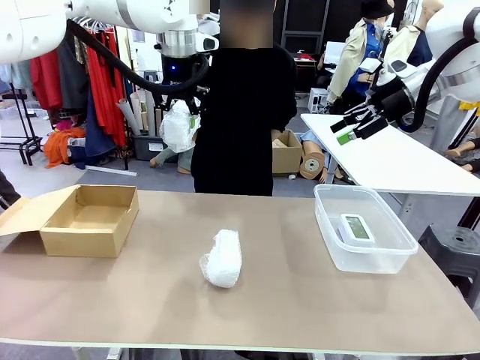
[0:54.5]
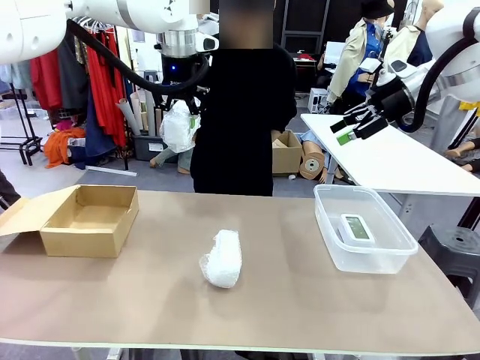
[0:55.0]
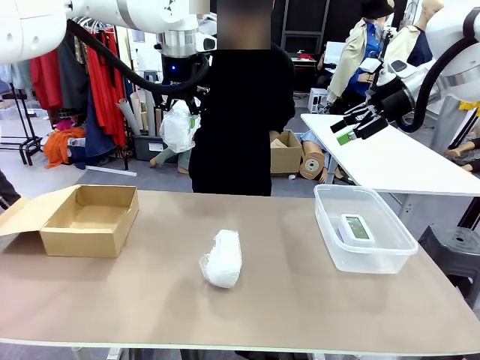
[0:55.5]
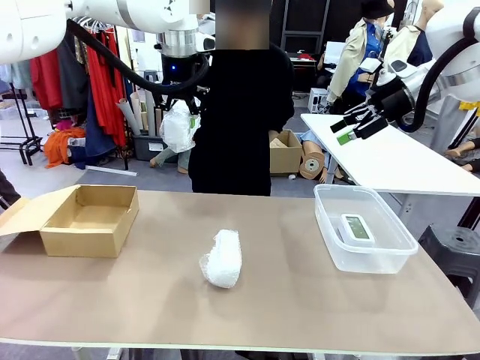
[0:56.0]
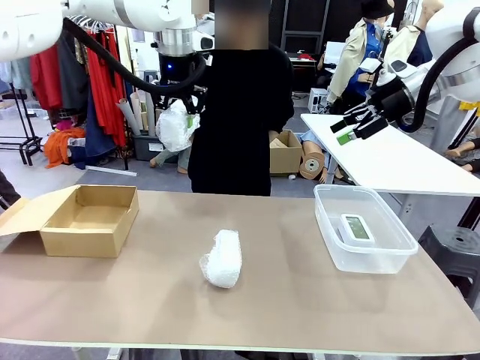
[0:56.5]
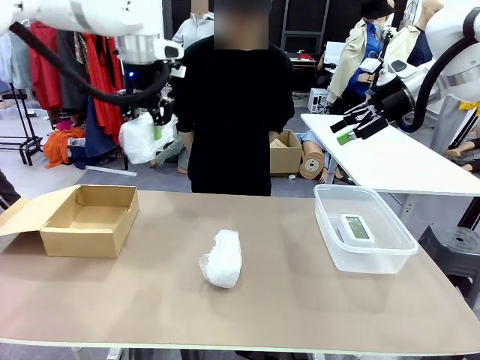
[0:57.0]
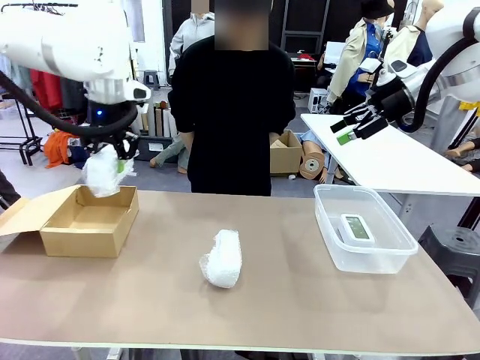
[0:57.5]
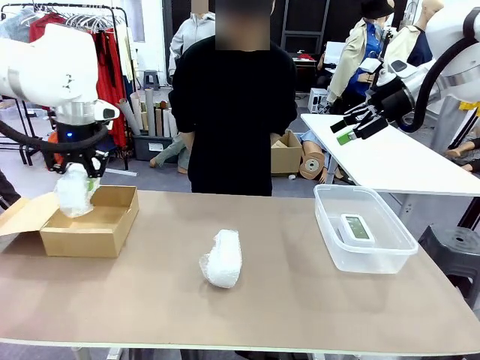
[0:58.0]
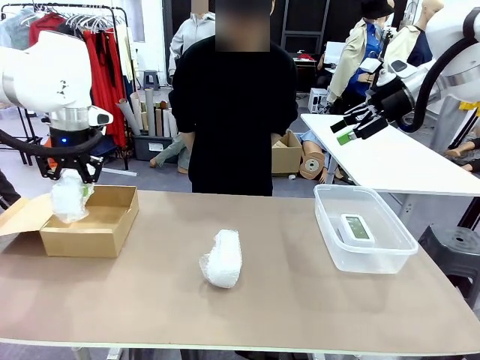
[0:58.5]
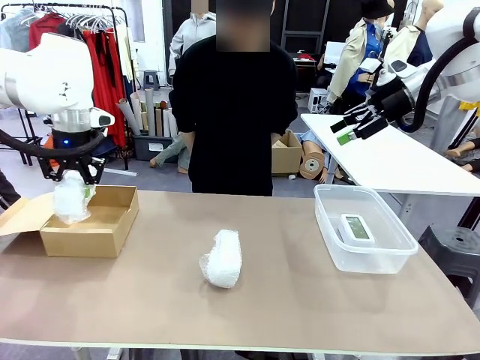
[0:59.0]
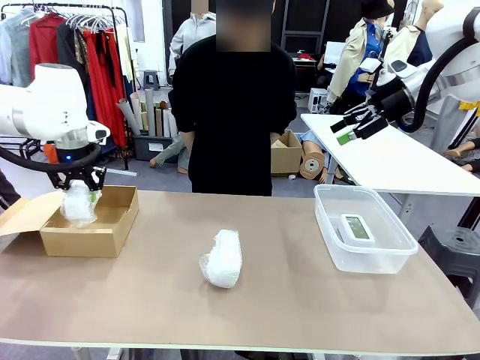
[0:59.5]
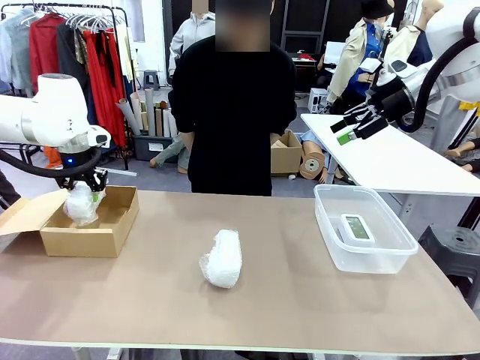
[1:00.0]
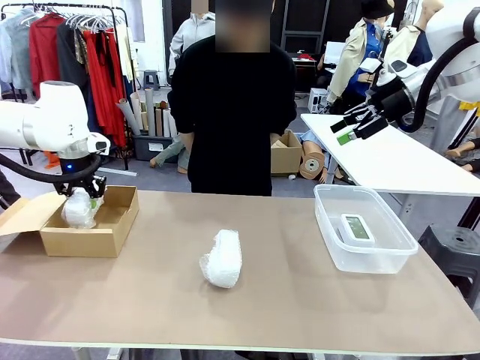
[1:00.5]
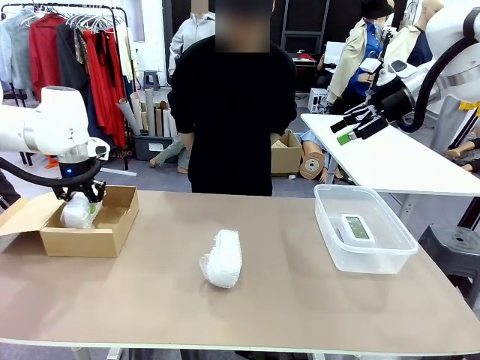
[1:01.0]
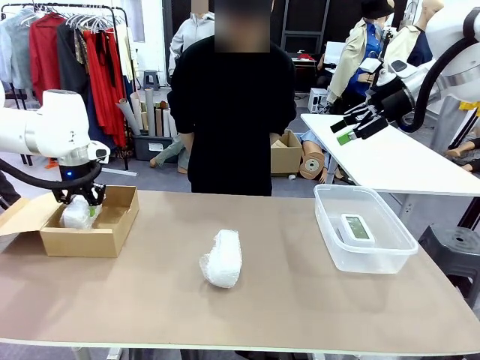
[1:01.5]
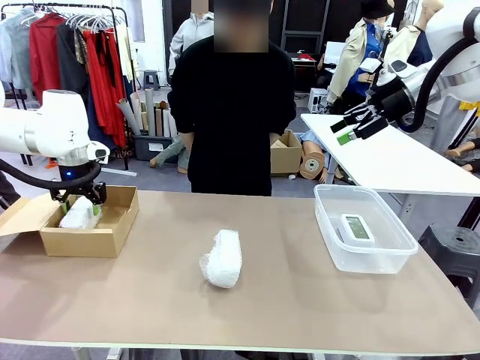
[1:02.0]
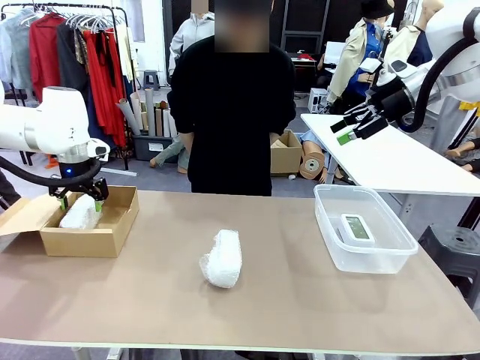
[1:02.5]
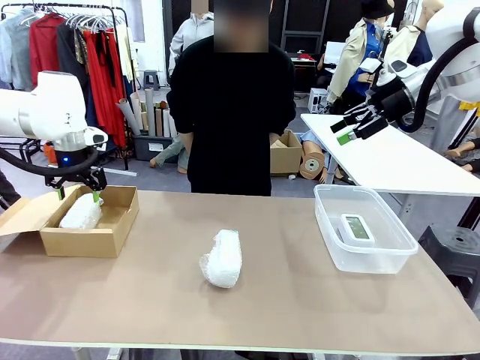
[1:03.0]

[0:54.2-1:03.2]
Task: Separate and place wrapped and unwrapped clocks.
Robot: If the picked Digital clock is wrapped, place it in the Package Box ; if not, place it in the Organizing box.

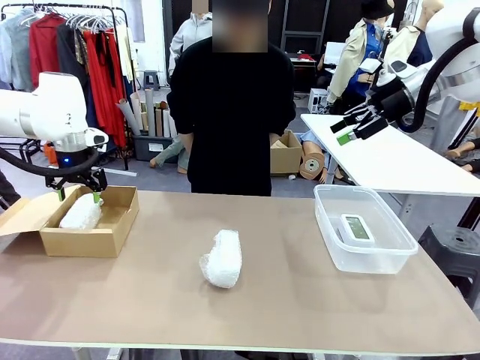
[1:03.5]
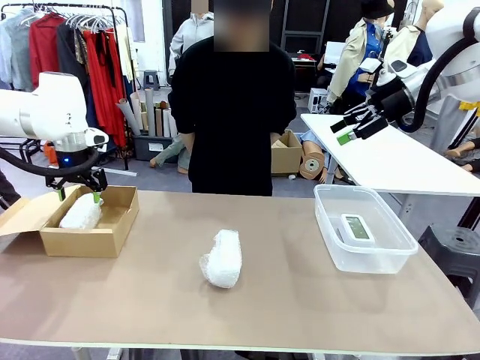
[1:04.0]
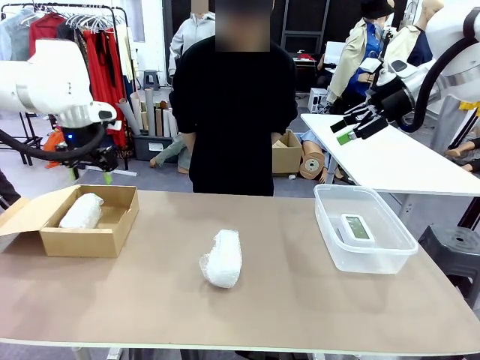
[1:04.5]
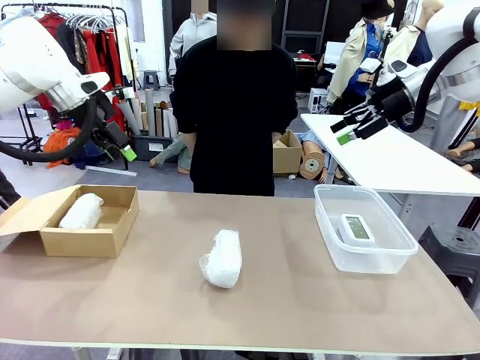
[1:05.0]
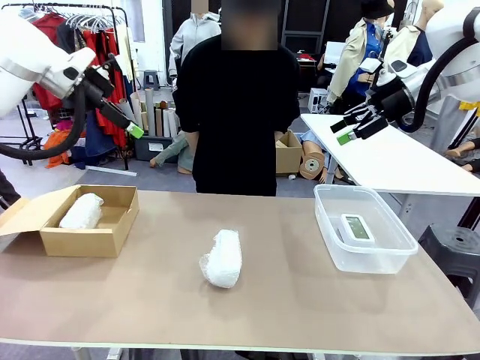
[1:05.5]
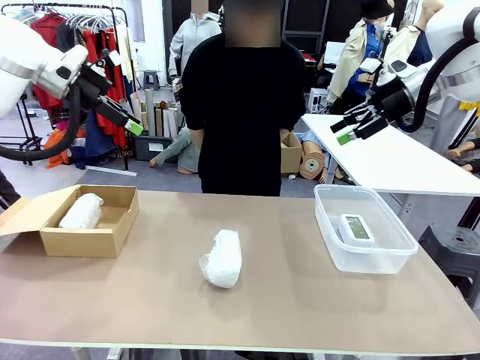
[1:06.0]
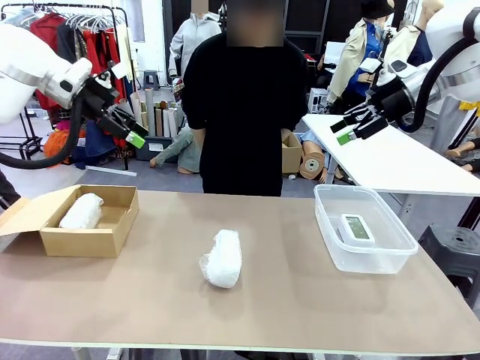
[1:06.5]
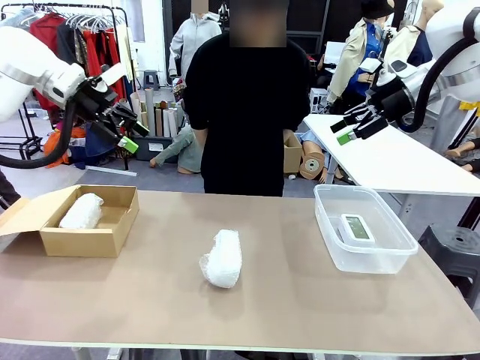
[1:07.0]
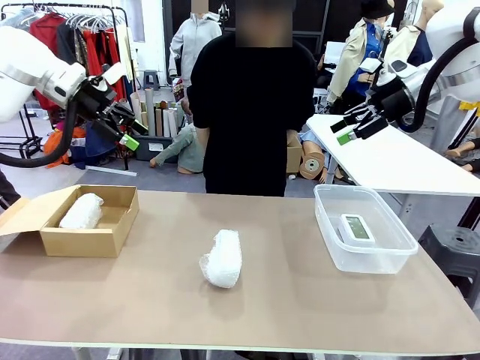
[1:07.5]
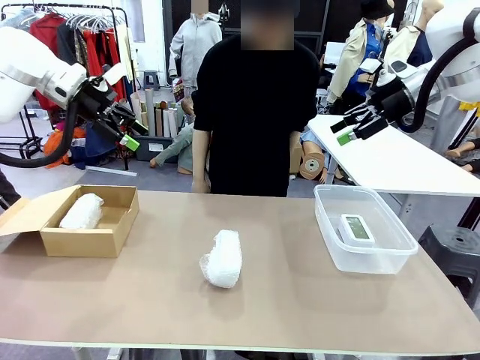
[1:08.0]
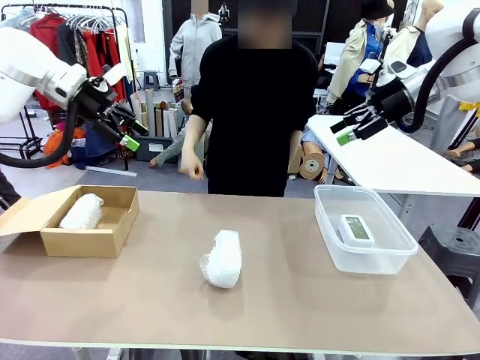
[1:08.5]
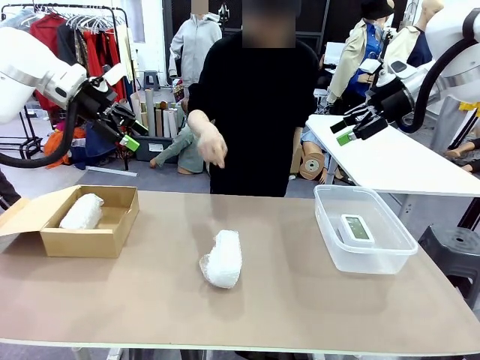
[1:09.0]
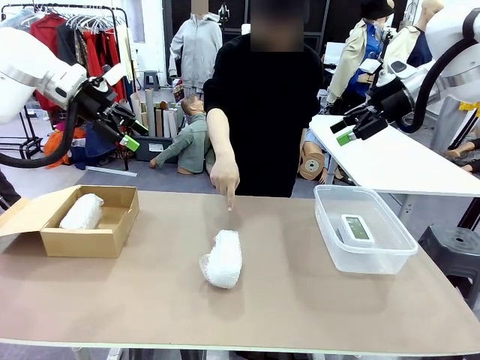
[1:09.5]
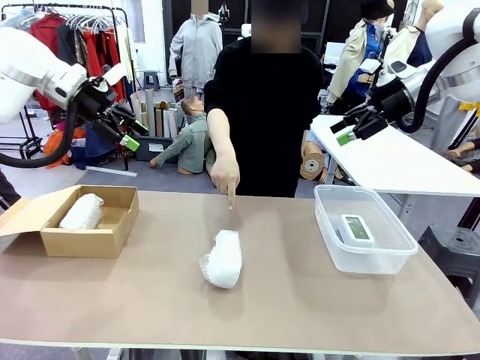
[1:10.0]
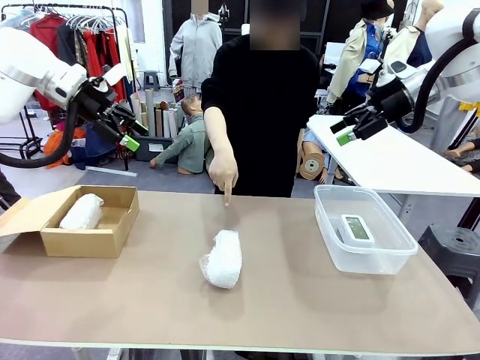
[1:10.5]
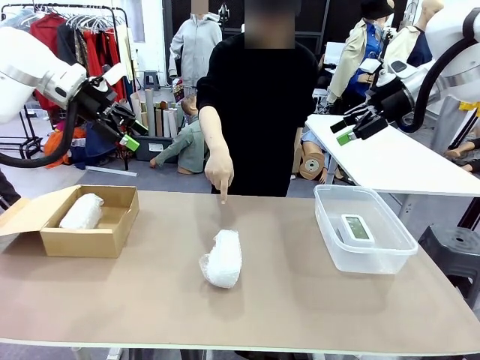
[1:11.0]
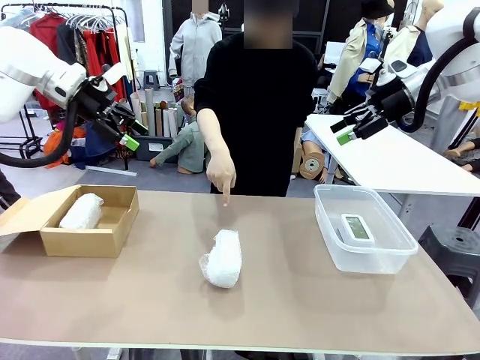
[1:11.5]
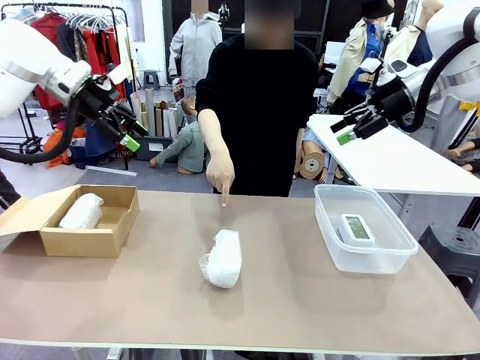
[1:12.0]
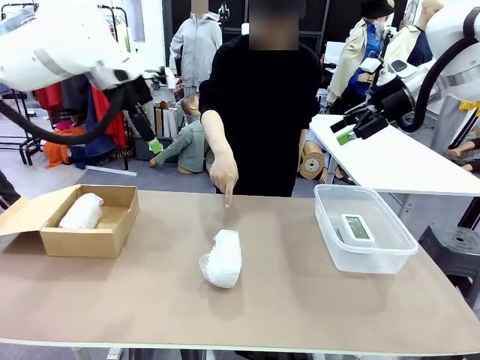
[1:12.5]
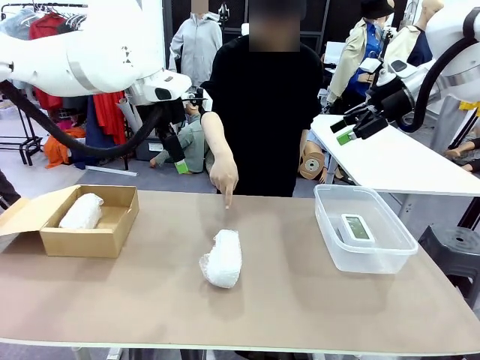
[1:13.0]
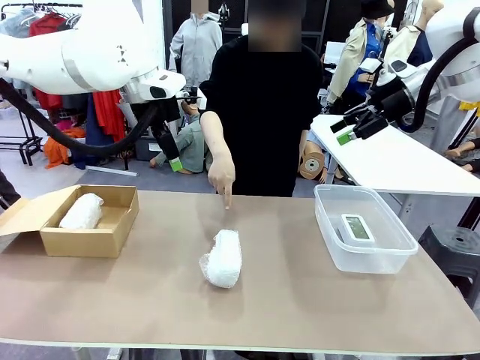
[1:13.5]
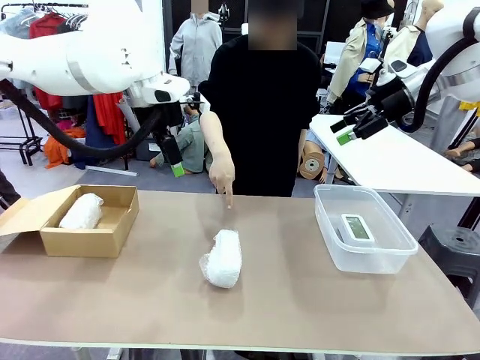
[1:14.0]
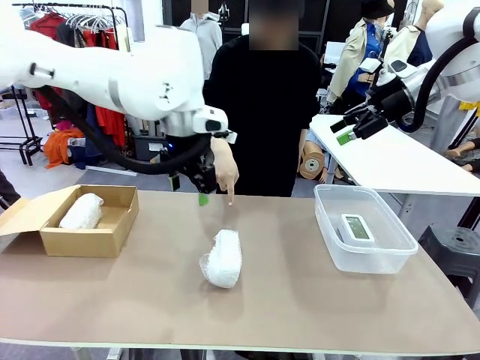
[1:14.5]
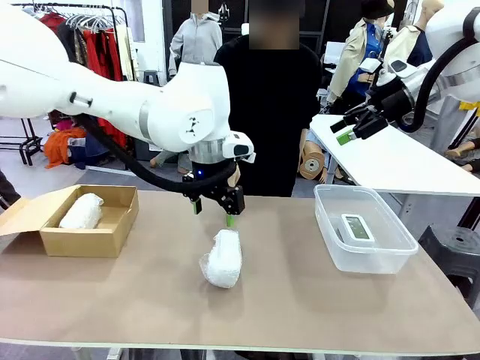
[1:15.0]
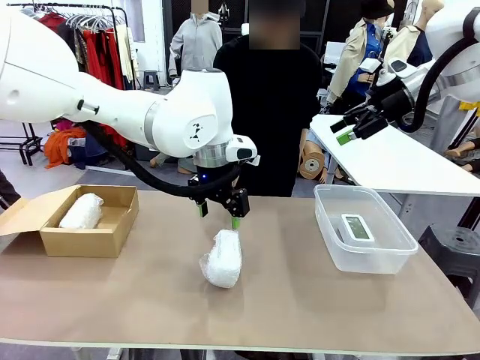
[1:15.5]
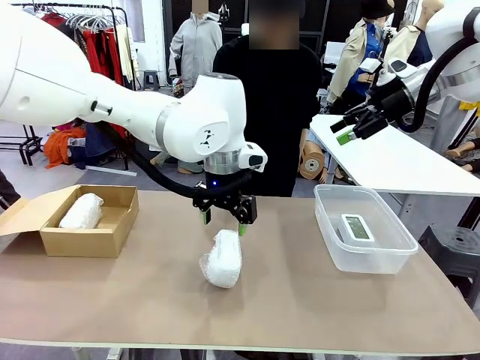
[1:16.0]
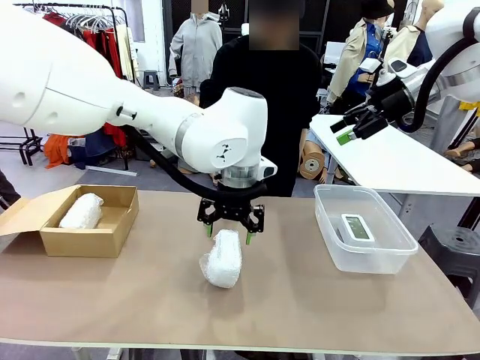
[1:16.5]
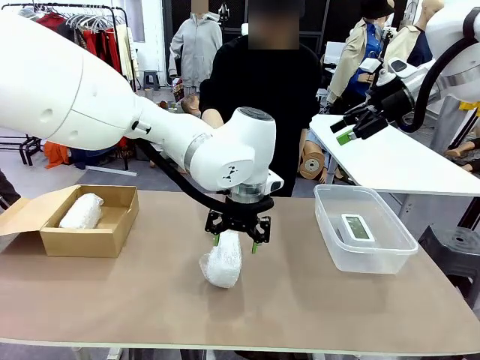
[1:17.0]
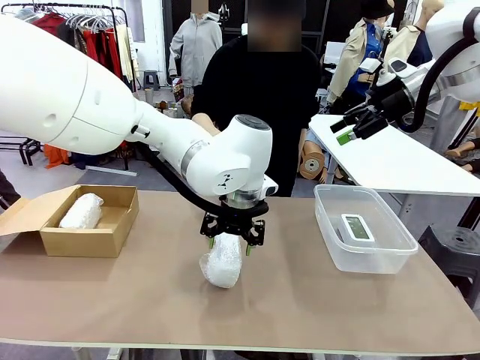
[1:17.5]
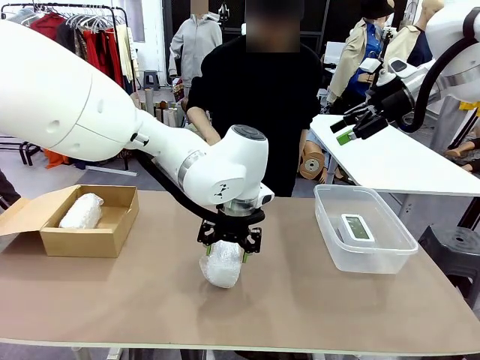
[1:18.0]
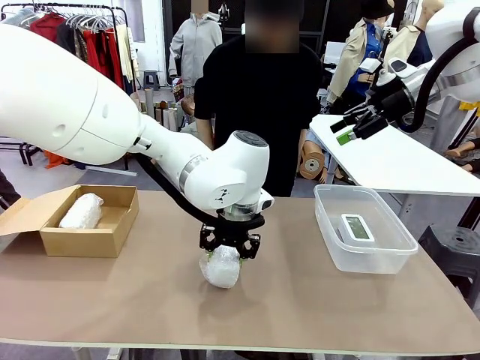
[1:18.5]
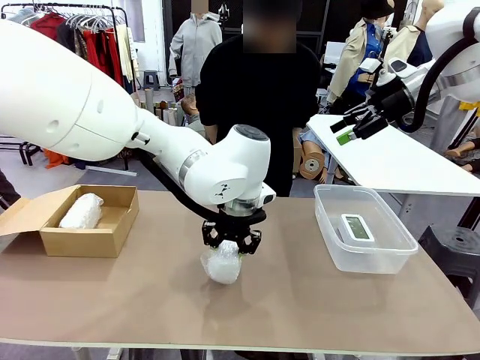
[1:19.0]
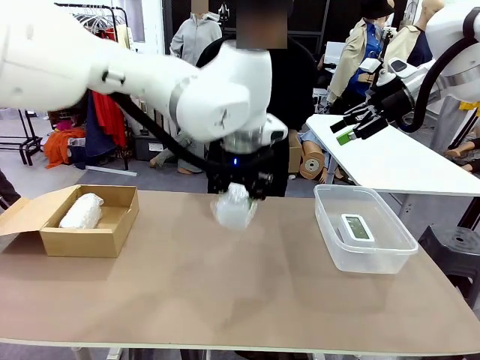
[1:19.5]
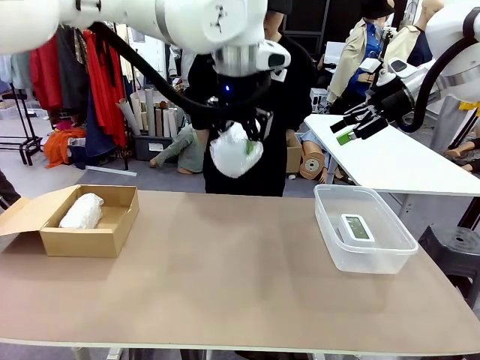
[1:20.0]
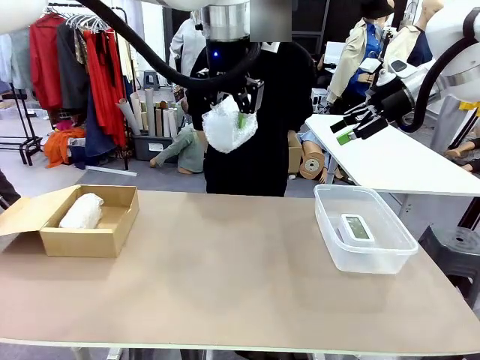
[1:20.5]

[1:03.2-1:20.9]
Robot: Pick up the Digital clock indicated by the person.
